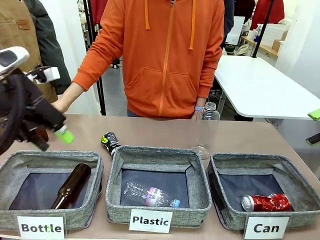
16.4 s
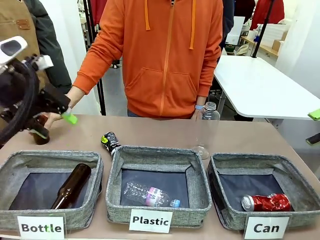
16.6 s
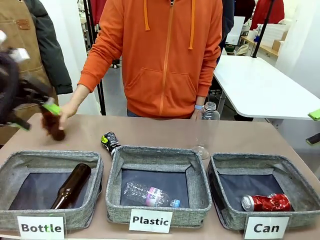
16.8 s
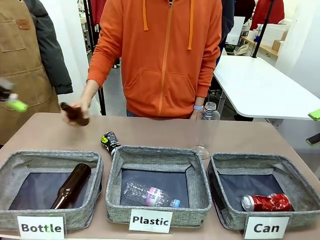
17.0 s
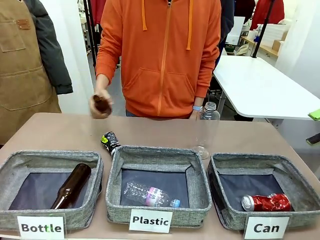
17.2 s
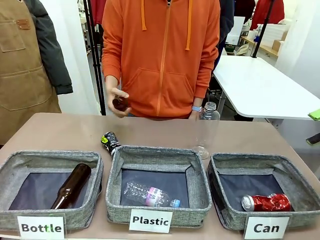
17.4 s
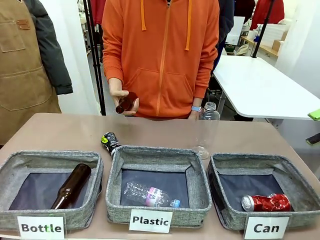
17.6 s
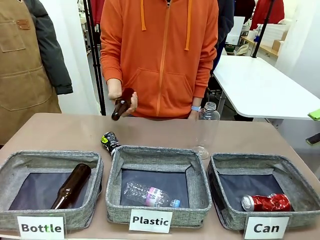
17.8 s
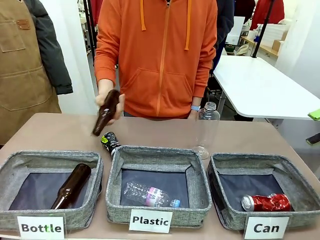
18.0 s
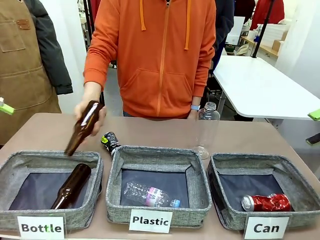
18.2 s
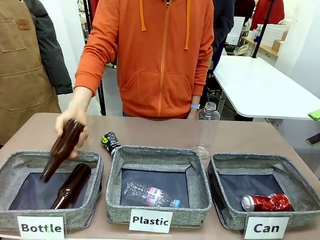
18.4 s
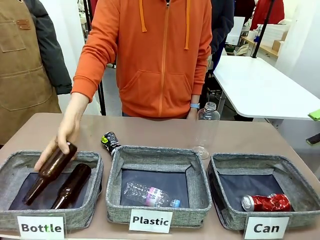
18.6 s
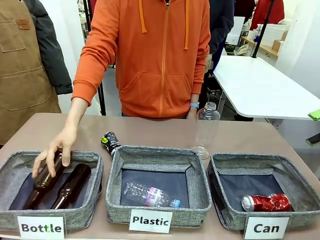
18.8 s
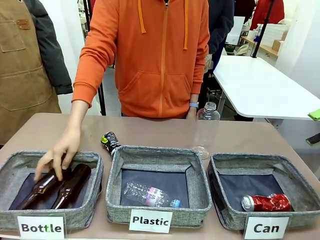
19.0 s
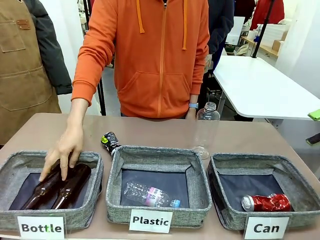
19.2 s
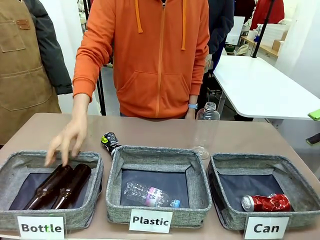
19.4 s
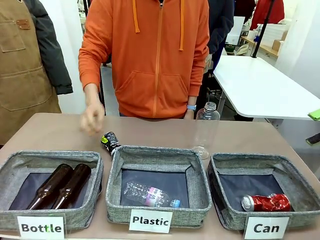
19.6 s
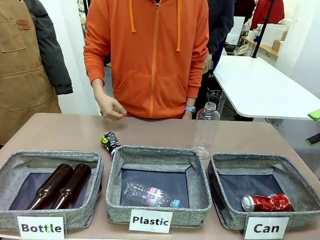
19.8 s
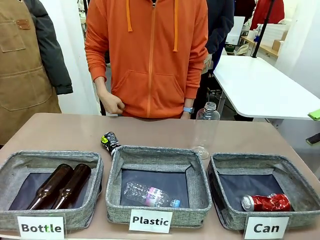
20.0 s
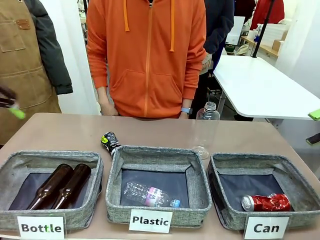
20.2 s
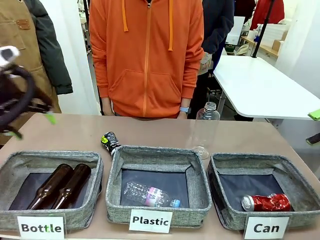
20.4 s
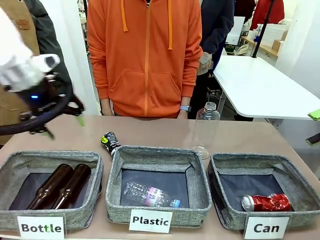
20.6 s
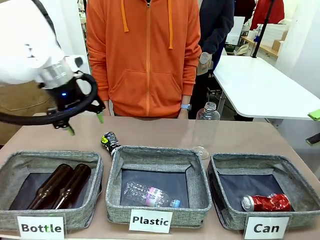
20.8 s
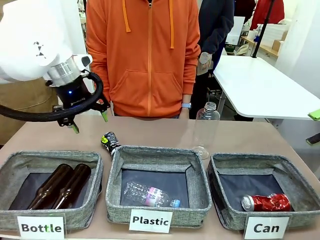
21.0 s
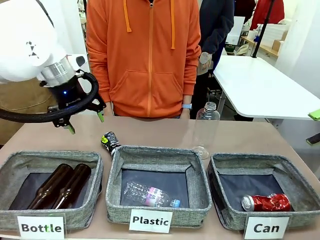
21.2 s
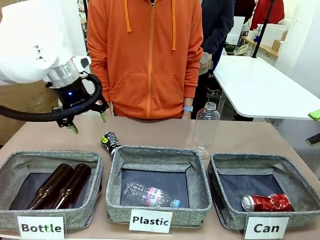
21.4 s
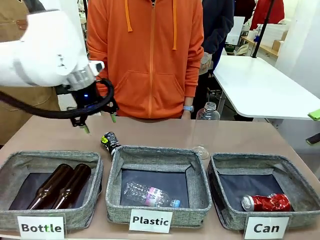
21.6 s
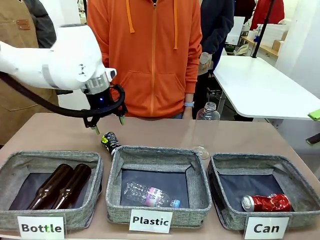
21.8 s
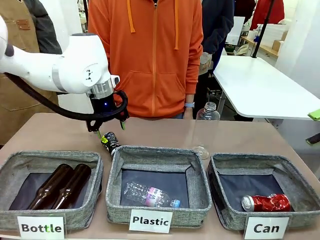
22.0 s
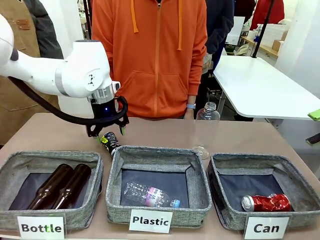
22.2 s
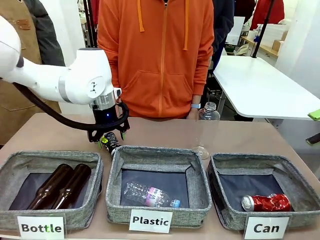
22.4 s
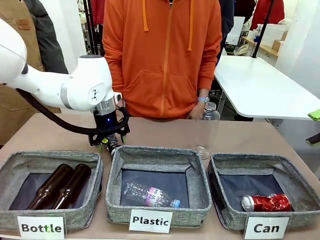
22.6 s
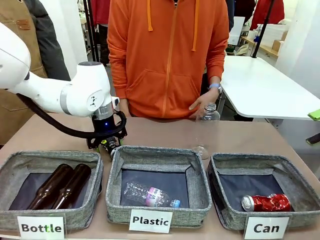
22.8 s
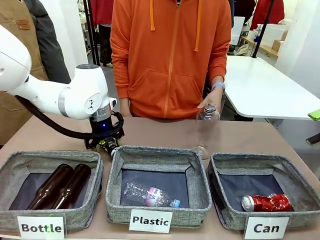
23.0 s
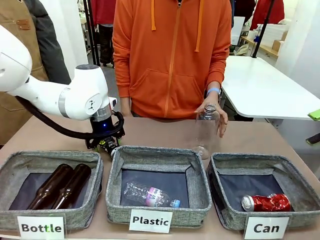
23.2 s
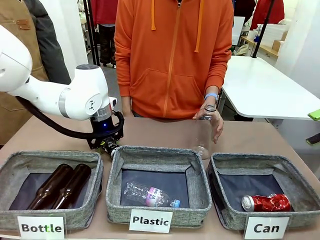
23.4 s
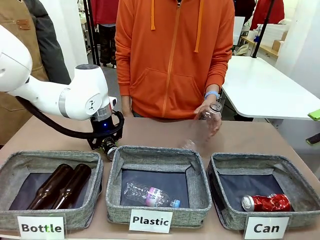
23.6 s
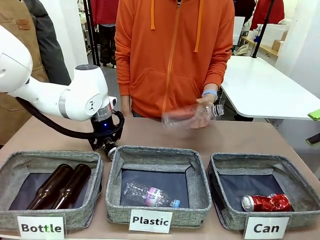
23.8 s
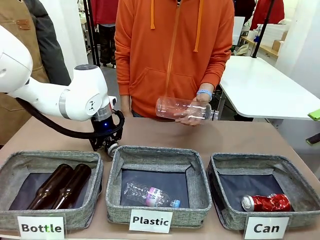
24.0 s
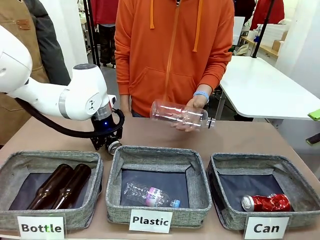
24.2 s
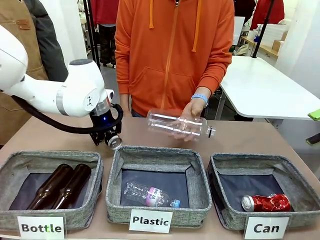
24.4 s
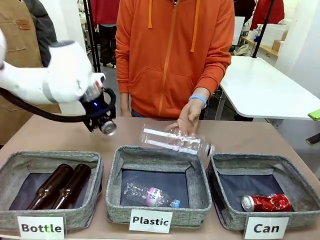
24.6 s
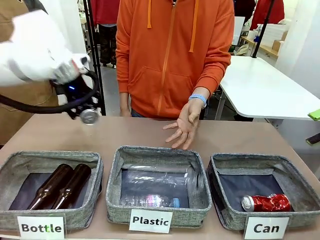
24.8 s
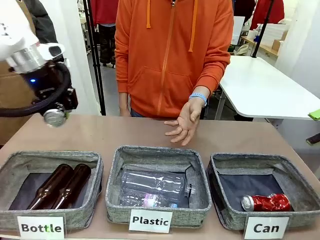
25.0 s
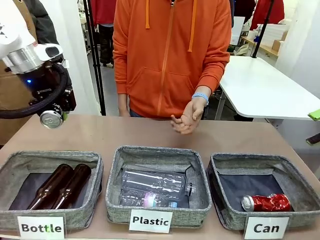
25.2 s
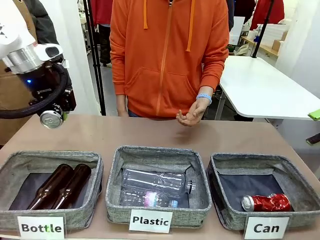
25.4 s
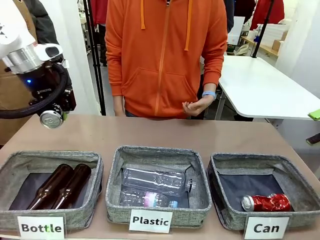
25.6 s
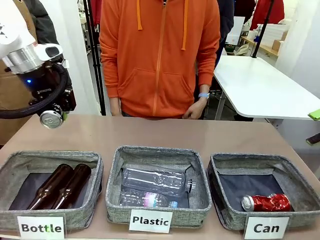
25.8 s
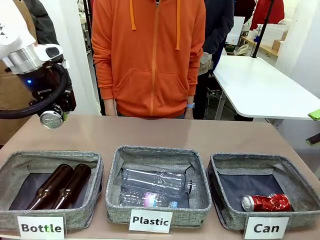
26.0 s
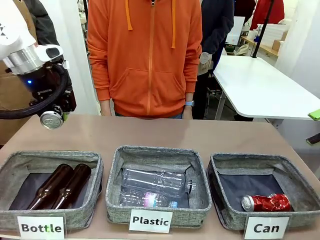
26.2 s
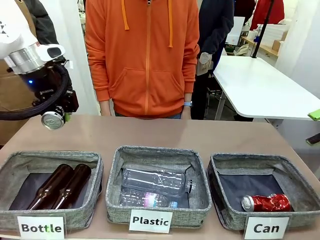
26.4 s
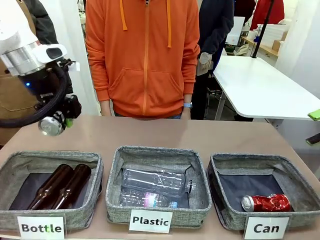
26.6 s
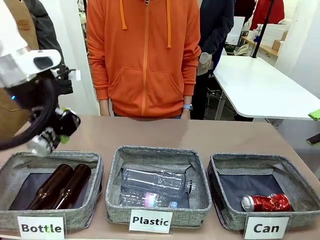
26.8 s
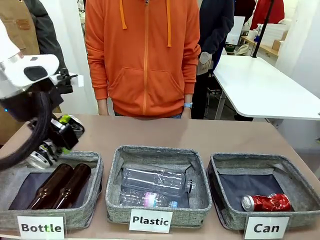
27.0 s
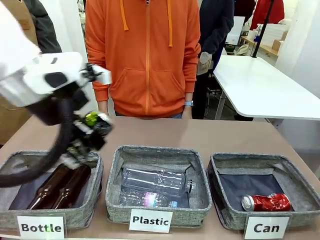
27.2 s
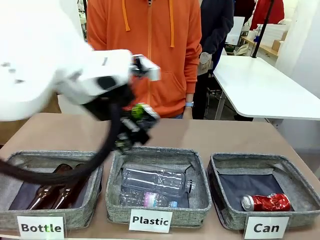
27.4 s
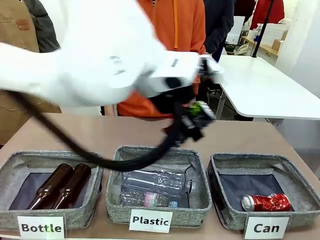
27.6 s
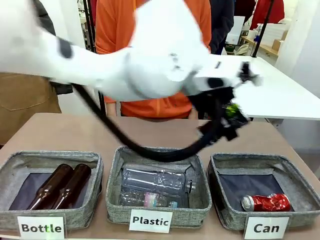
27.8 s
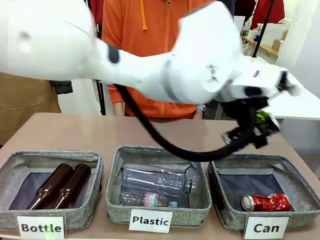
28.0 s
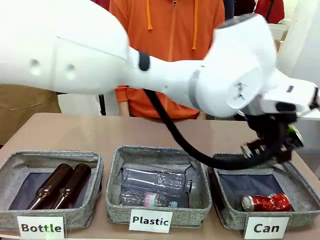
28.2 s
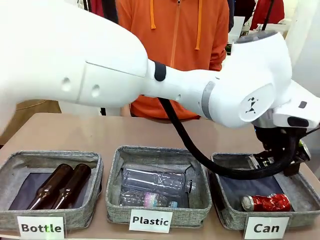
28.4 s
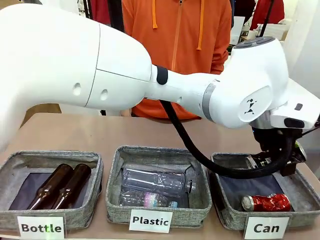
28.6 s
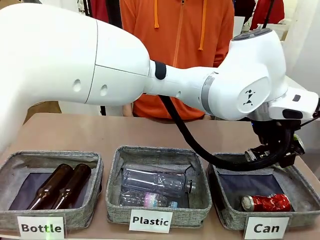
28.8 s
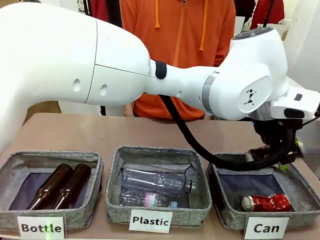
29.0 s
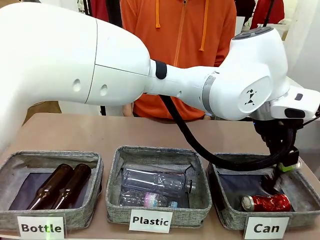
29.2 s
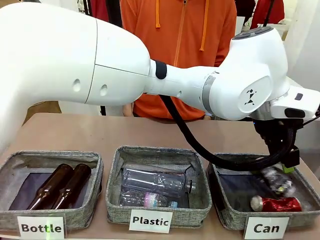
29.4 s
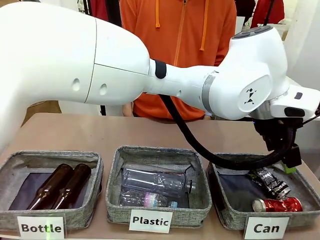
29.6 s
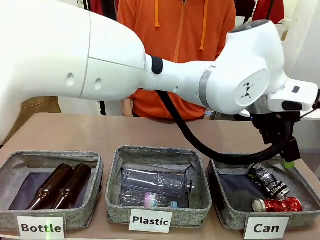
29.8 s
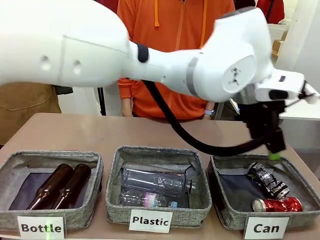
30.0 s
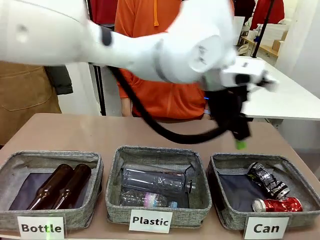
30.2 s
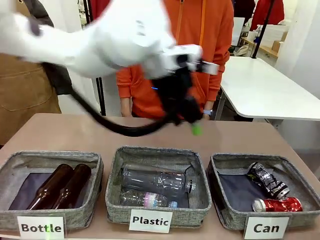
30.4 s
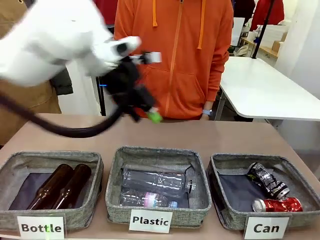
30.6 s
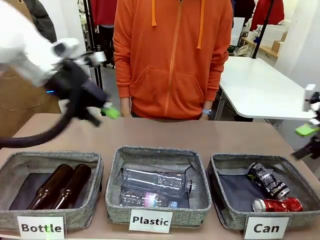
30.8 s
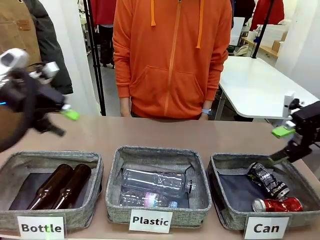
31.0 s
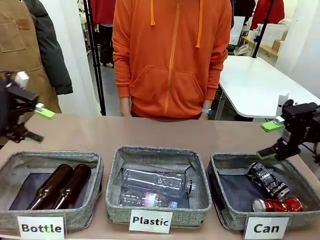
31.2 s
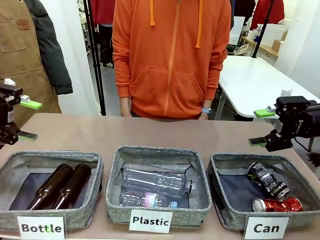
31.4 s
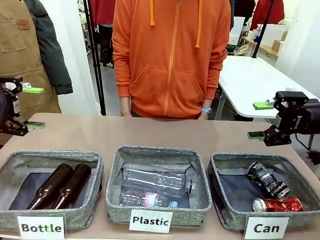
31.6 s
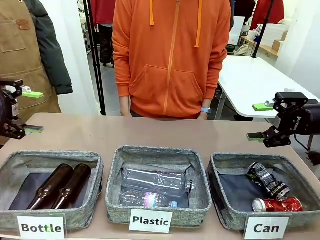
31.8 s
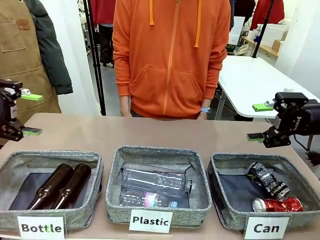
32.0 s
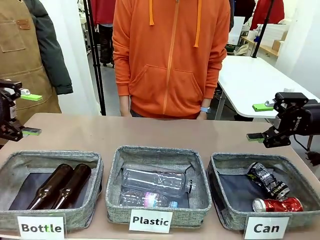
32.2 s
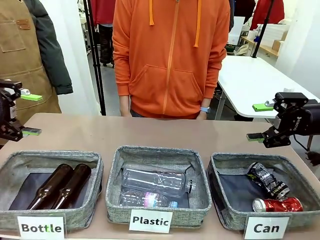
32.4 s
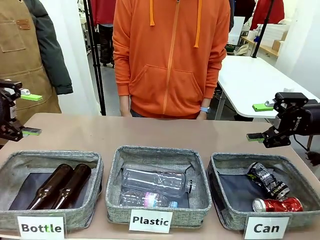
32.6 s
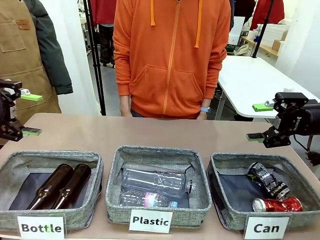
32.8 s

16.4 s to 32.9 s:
Task: Sort the can waste into the basket.
Robot: Pick up the can waste from the table and place it in the right Fabric basket.
Person: The human picks up one piece of trash that is not a can and places the trash into the appropriate organizing basket.
